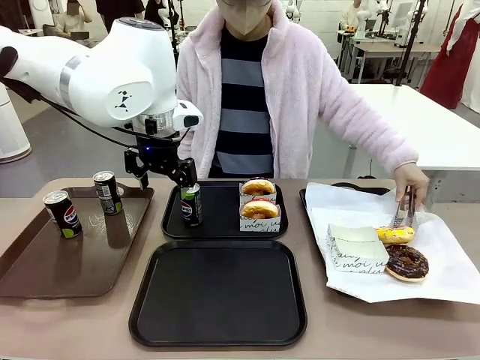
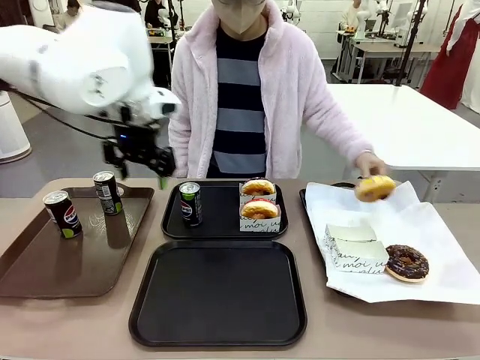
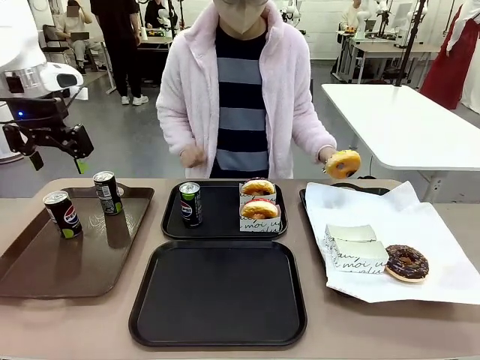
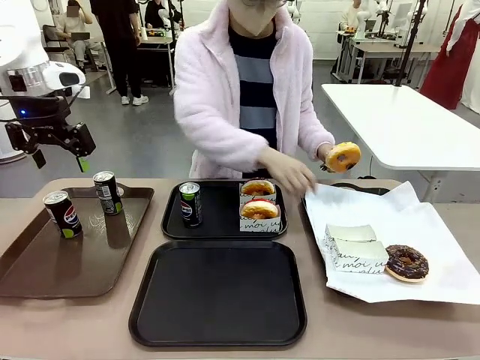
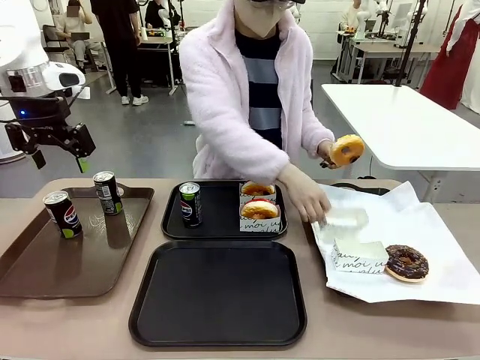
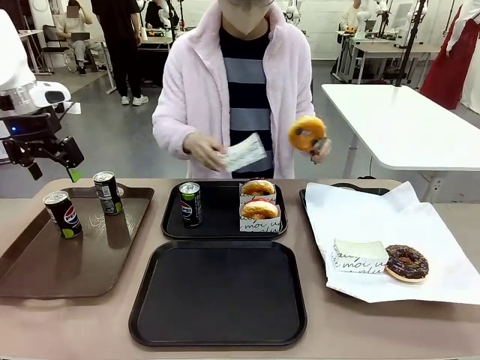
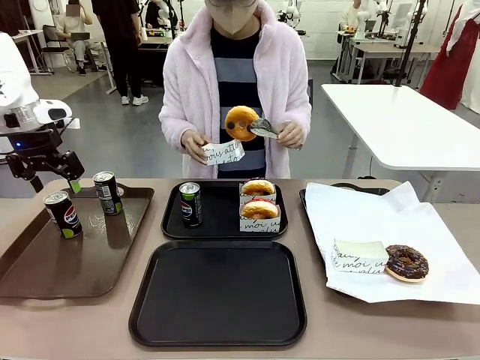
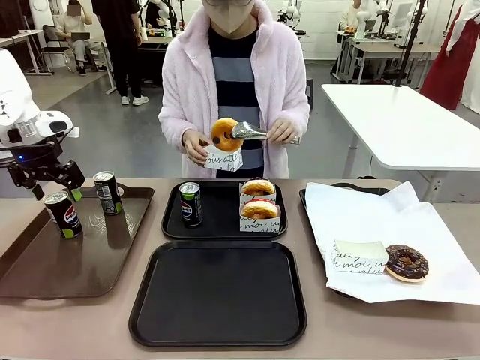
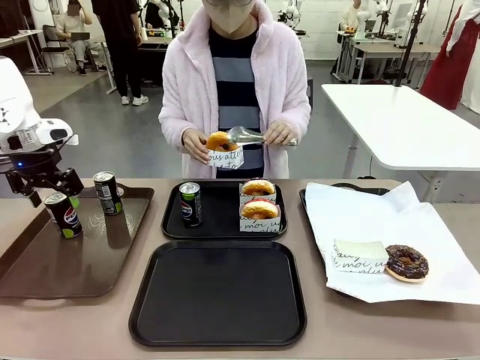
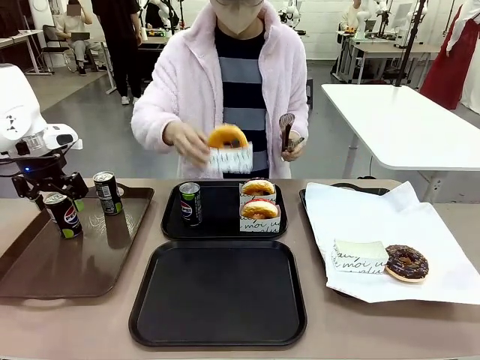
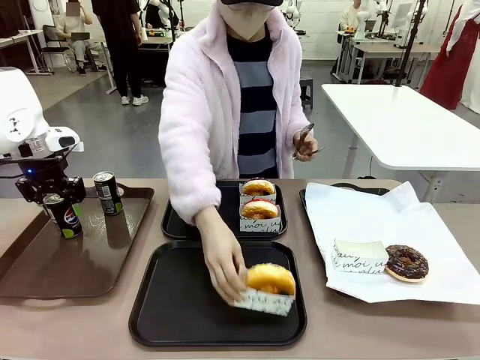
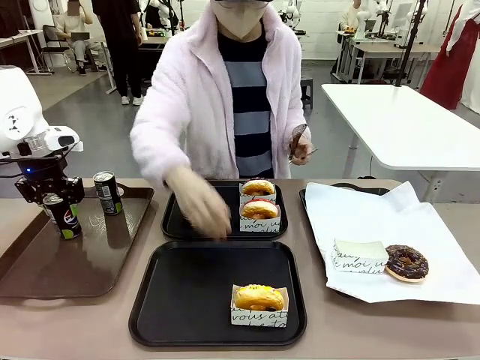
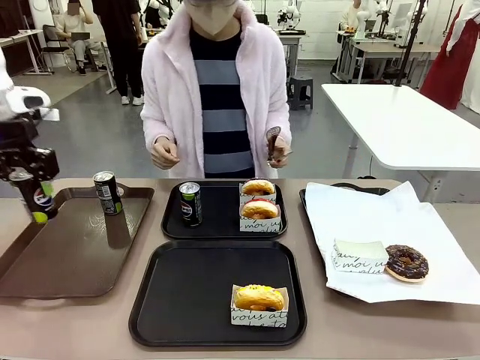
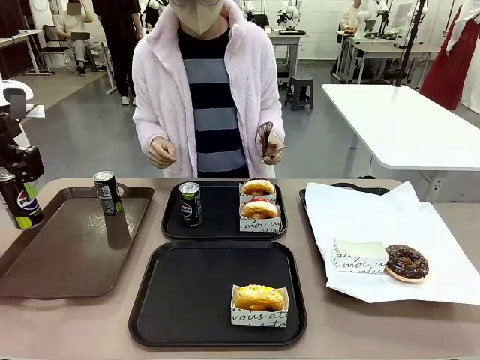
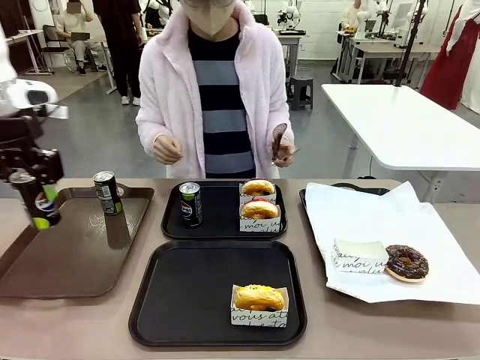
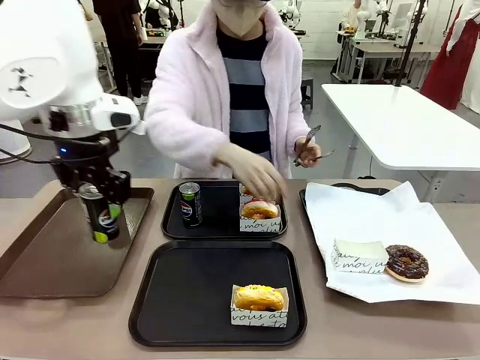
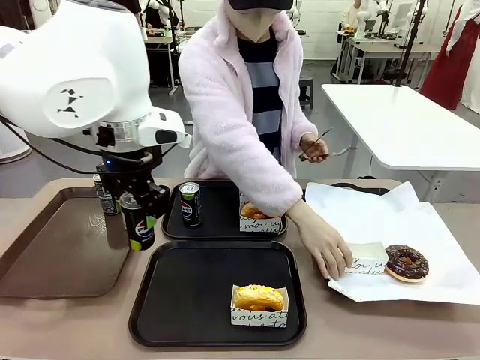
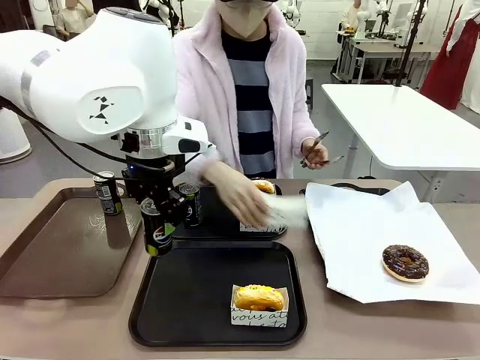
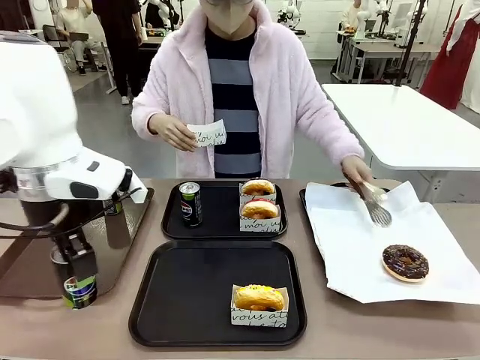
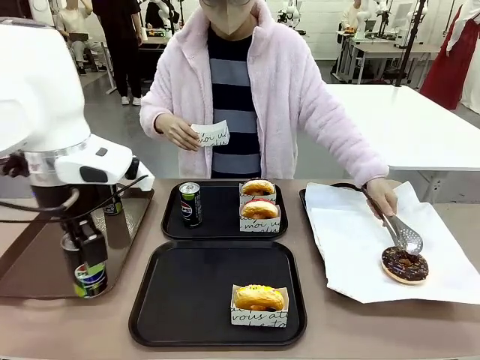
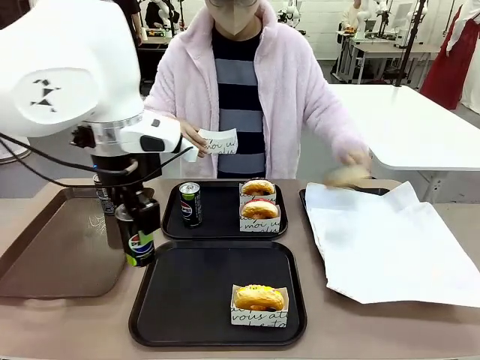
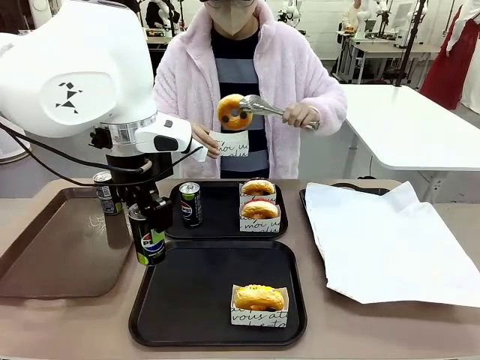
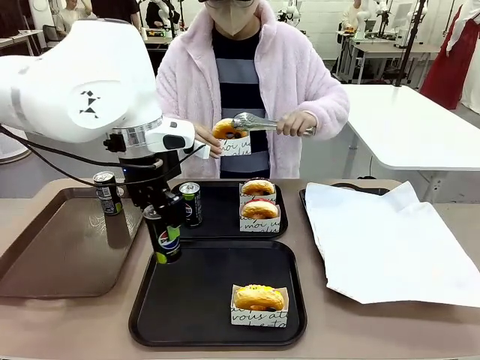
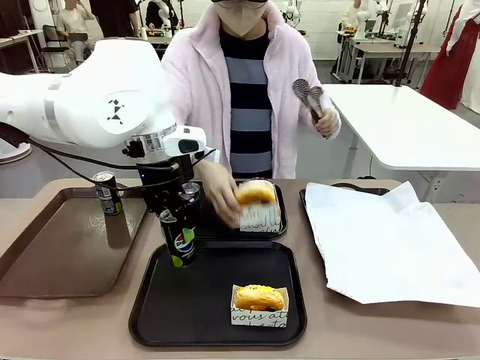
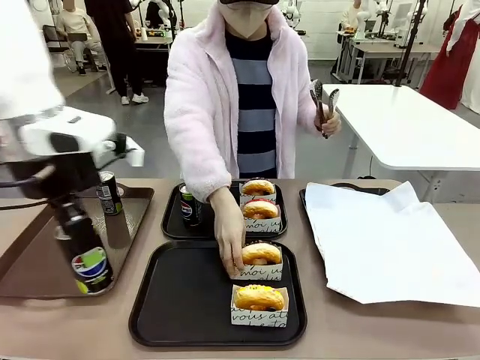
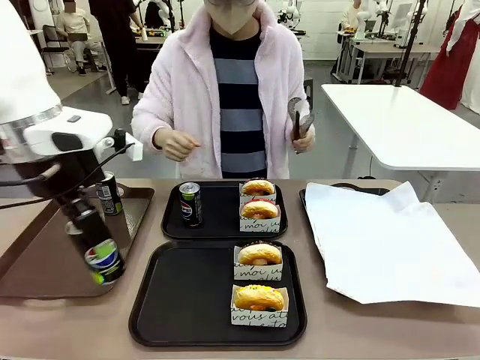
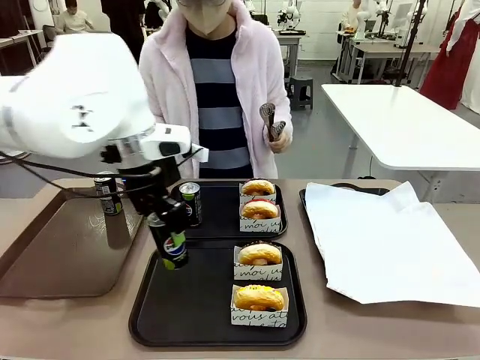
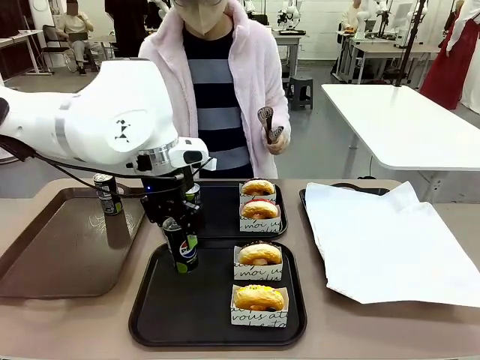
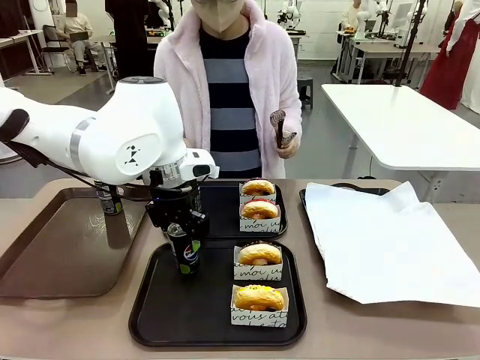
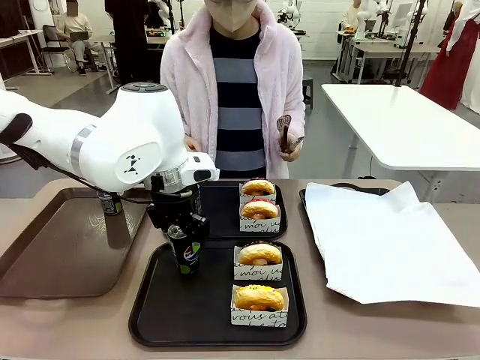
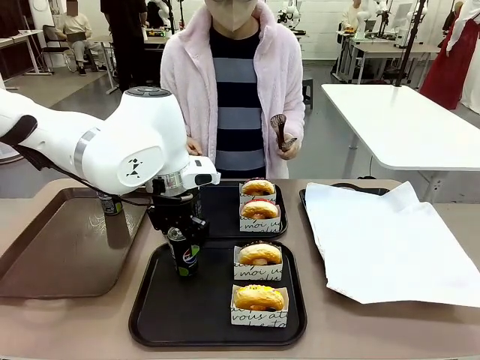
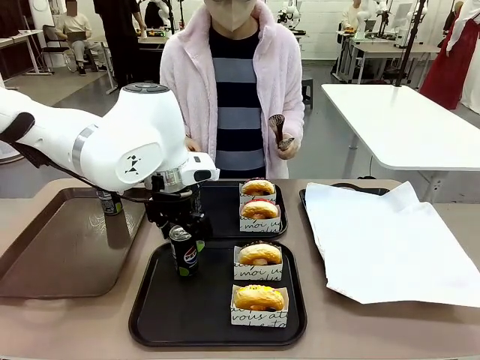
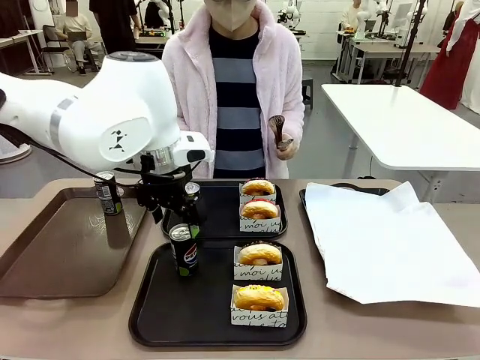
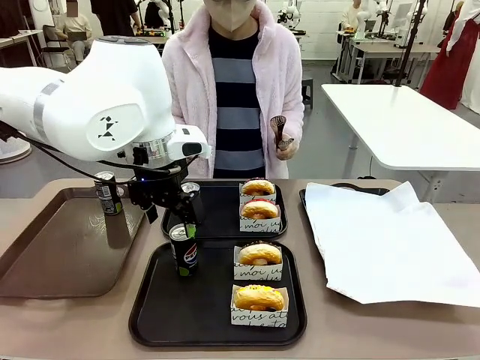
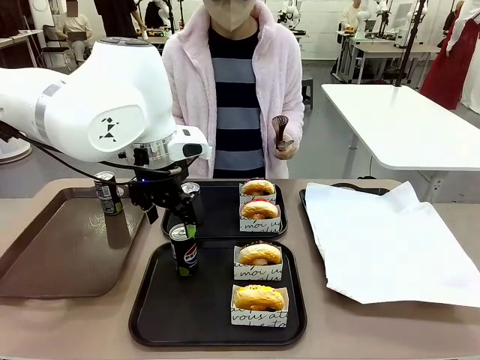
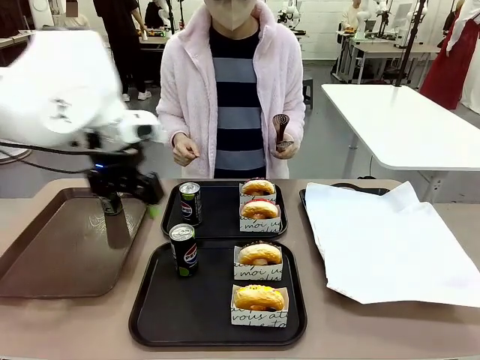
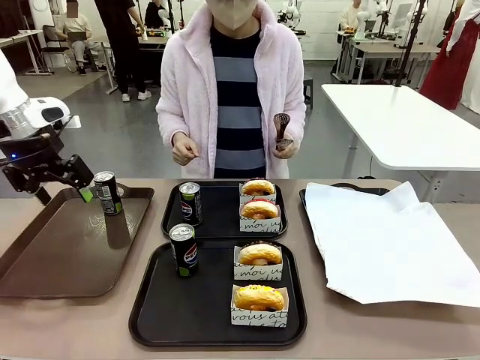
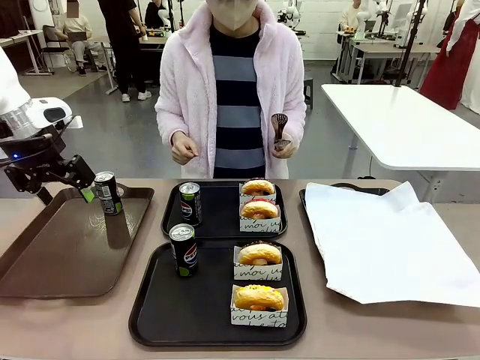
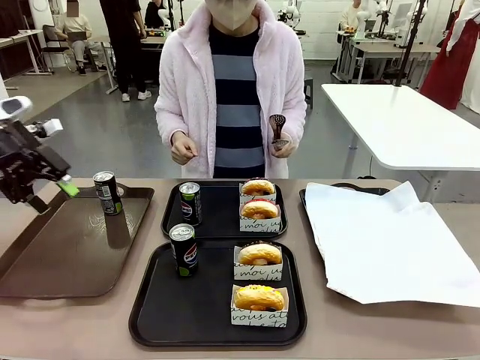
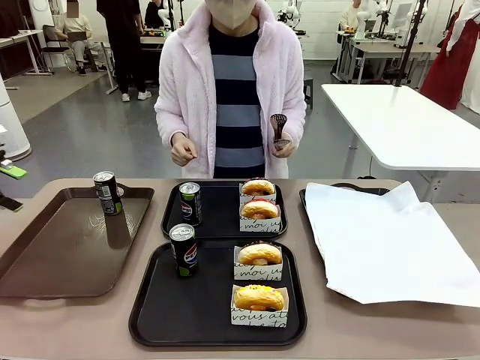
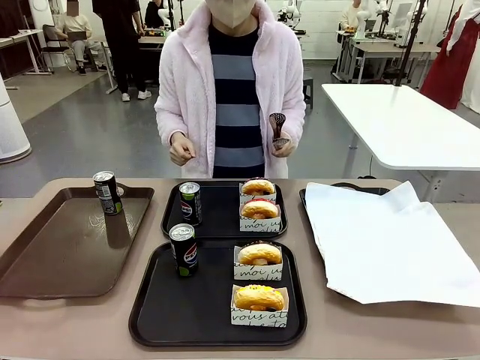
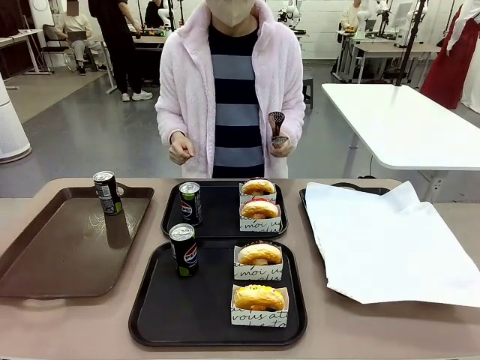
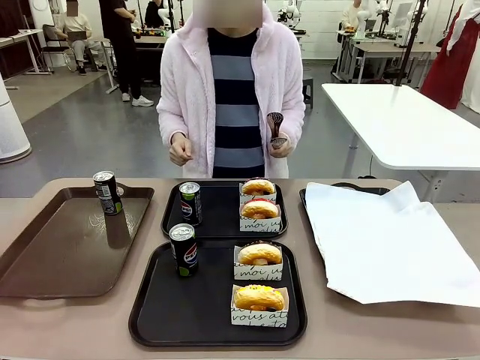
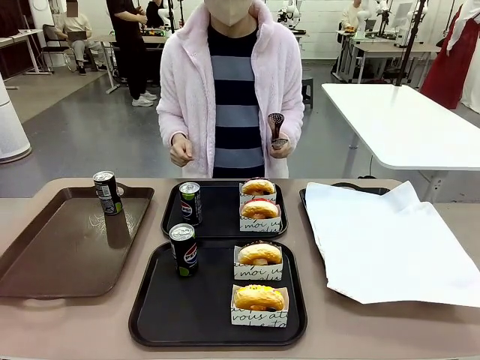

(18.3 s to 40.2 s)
Task: Set up donuts and drinks on trays.
Robot: Pick up one Pepsi coke from the Handle tray and place it on the Flat Tray without a Pepsi coke.
Person: Pick up one donut with tongs, place it in the donut tray, and then place the donut tray on the flat tray.
